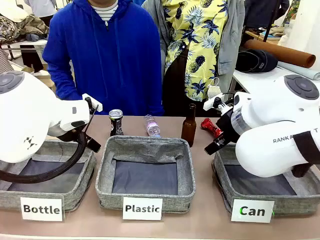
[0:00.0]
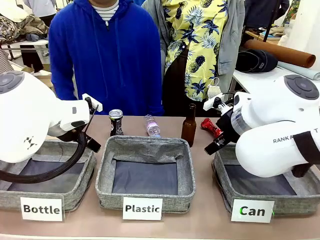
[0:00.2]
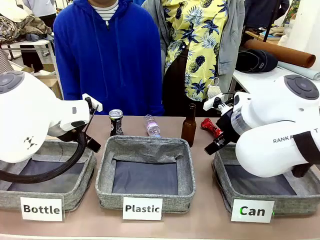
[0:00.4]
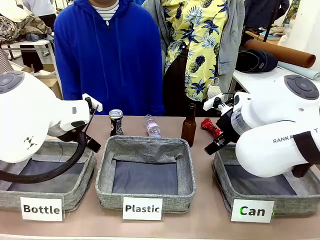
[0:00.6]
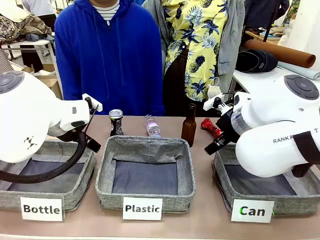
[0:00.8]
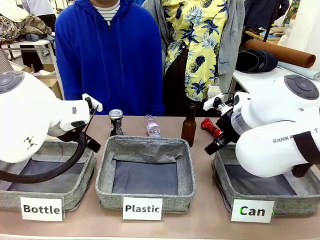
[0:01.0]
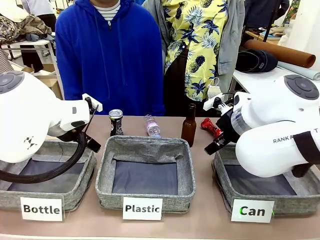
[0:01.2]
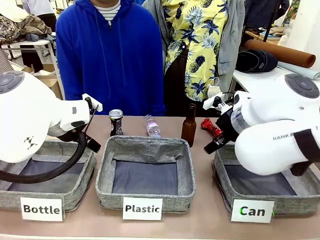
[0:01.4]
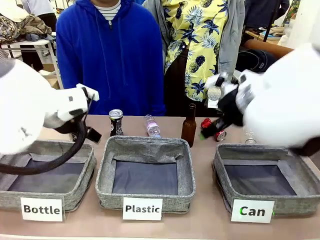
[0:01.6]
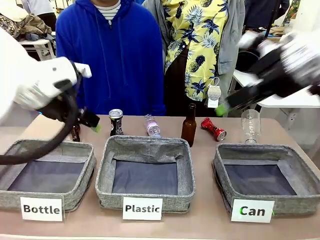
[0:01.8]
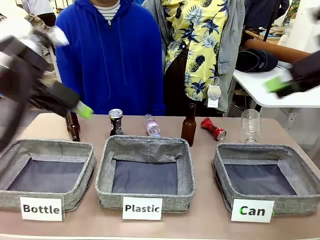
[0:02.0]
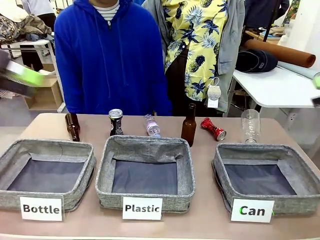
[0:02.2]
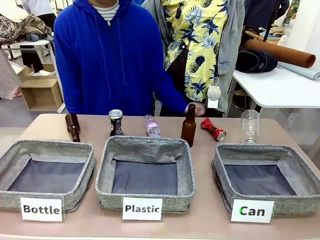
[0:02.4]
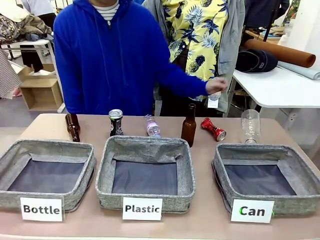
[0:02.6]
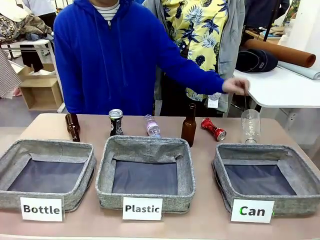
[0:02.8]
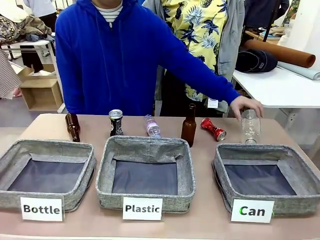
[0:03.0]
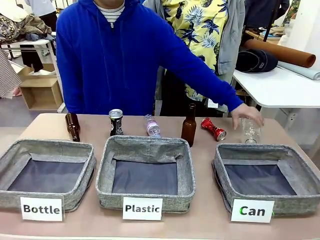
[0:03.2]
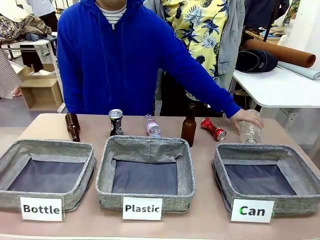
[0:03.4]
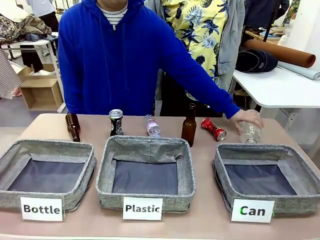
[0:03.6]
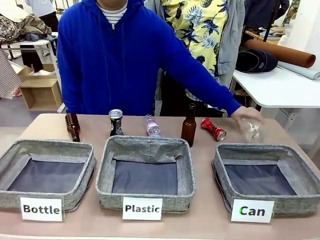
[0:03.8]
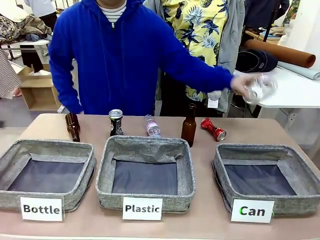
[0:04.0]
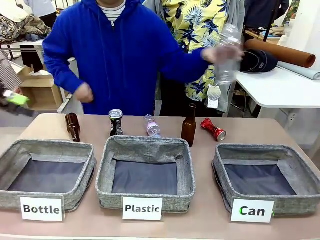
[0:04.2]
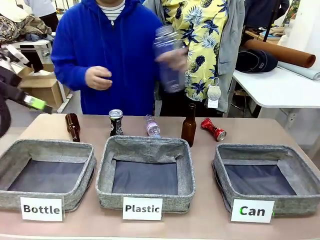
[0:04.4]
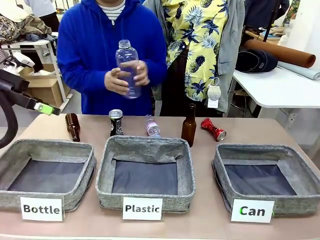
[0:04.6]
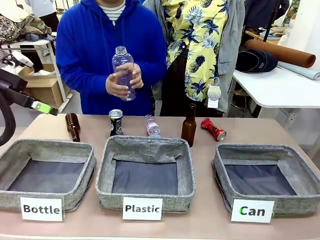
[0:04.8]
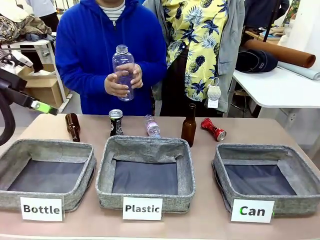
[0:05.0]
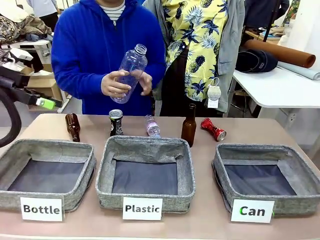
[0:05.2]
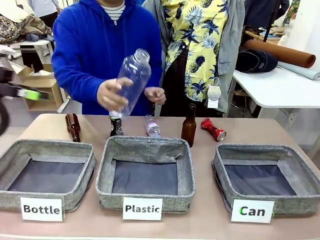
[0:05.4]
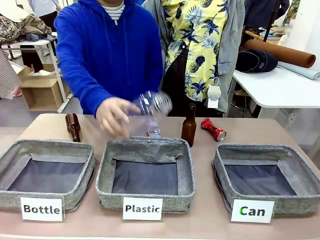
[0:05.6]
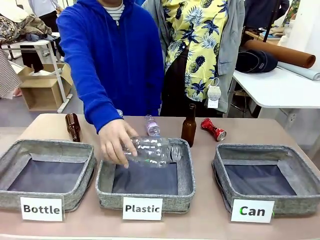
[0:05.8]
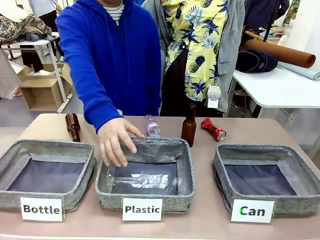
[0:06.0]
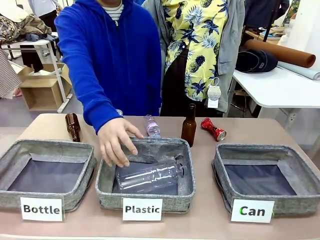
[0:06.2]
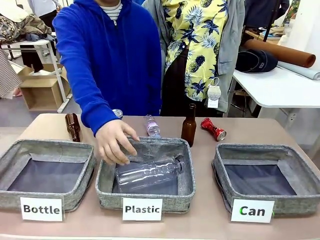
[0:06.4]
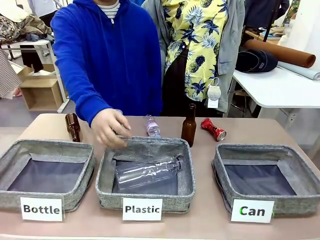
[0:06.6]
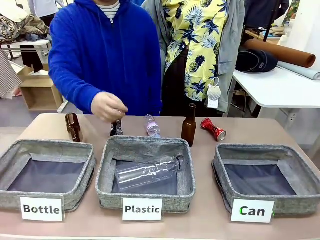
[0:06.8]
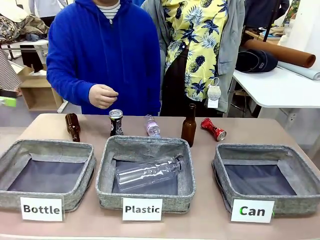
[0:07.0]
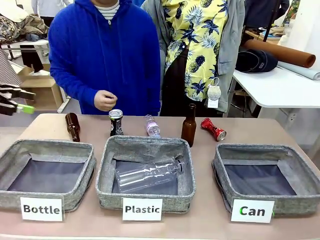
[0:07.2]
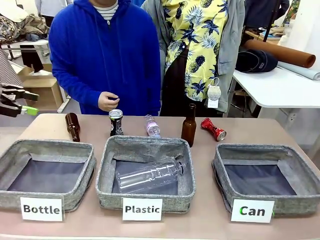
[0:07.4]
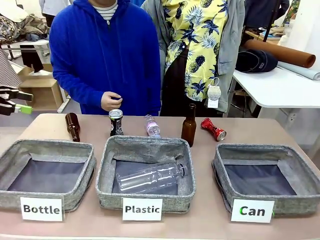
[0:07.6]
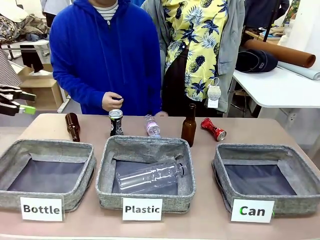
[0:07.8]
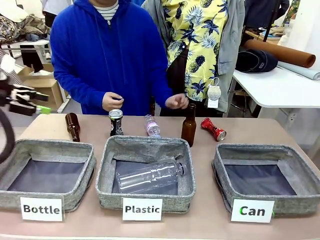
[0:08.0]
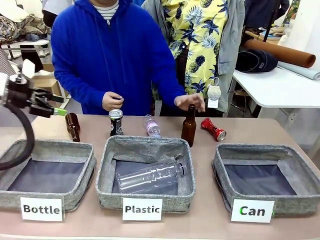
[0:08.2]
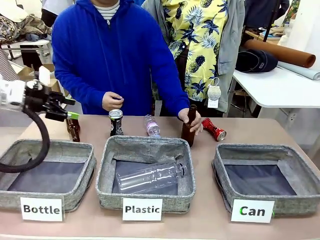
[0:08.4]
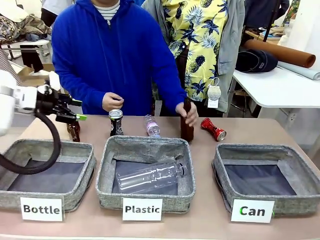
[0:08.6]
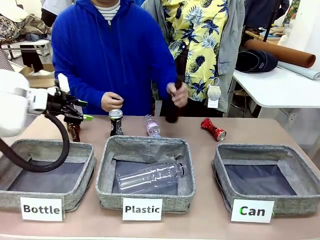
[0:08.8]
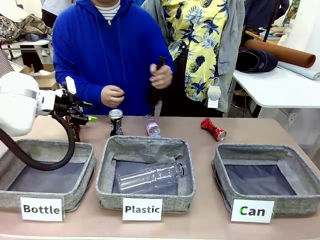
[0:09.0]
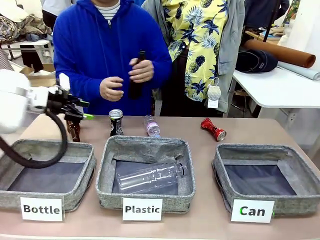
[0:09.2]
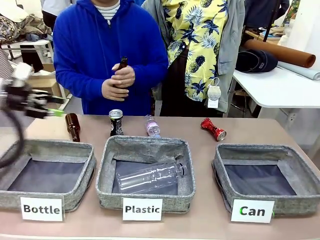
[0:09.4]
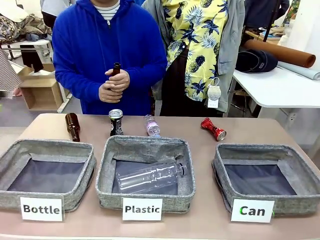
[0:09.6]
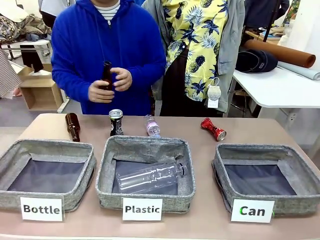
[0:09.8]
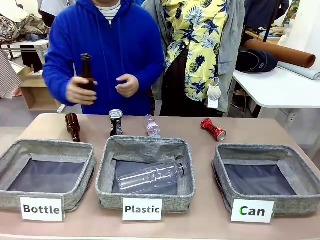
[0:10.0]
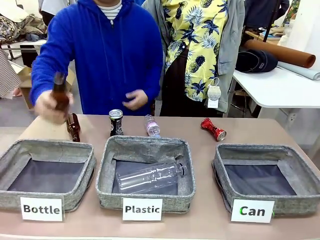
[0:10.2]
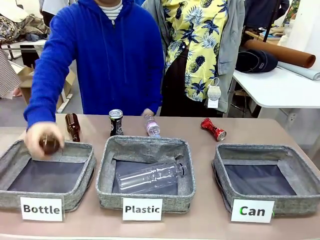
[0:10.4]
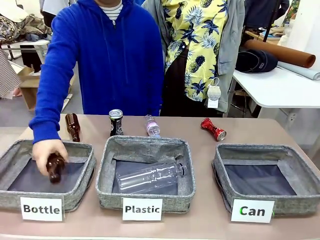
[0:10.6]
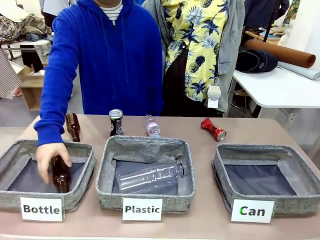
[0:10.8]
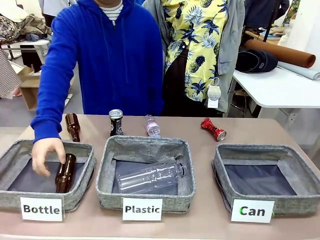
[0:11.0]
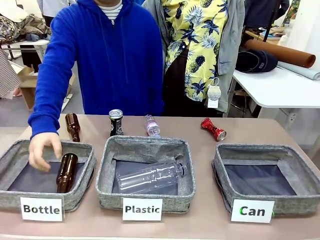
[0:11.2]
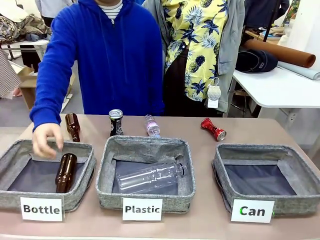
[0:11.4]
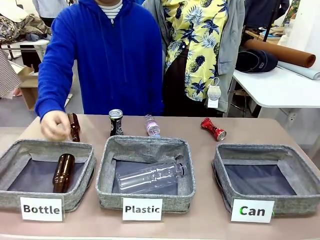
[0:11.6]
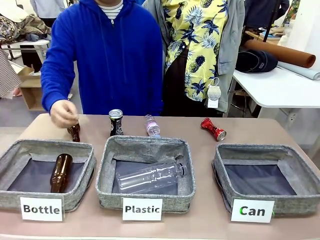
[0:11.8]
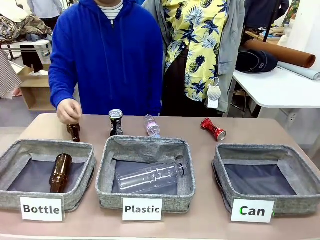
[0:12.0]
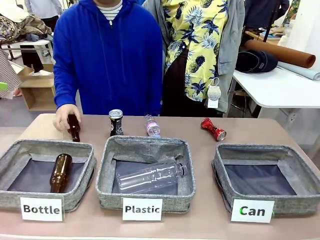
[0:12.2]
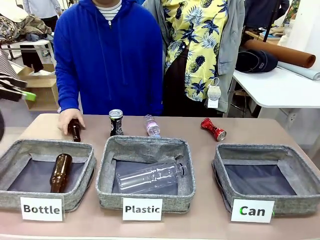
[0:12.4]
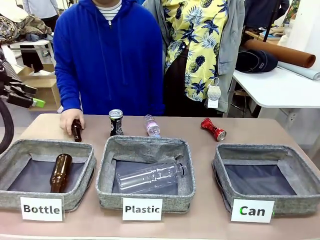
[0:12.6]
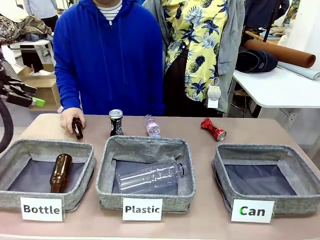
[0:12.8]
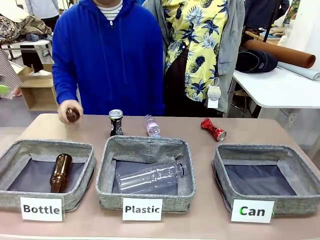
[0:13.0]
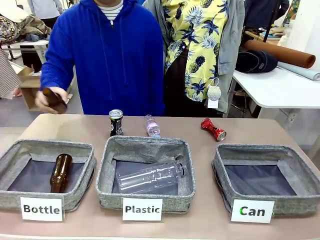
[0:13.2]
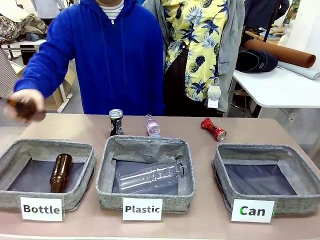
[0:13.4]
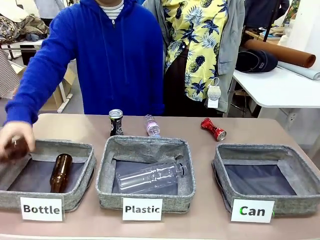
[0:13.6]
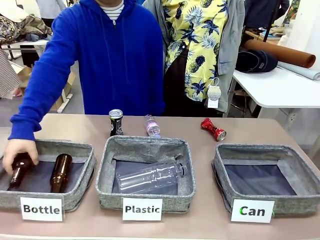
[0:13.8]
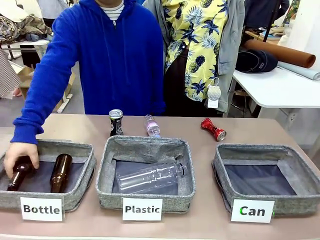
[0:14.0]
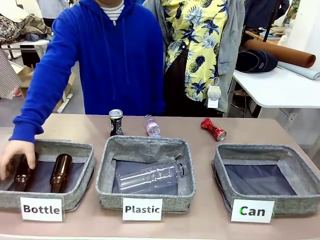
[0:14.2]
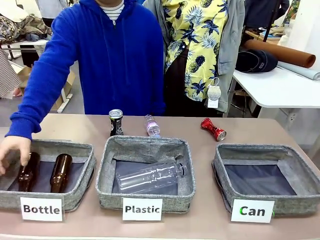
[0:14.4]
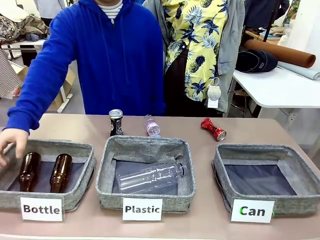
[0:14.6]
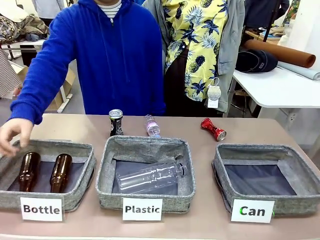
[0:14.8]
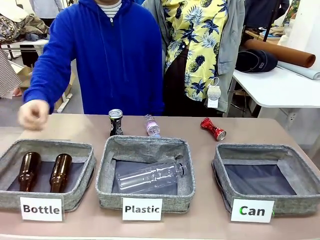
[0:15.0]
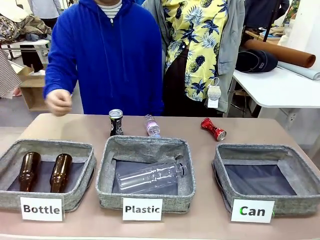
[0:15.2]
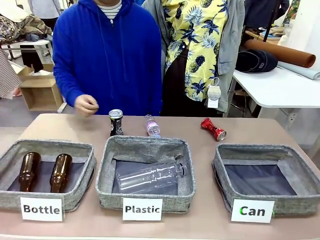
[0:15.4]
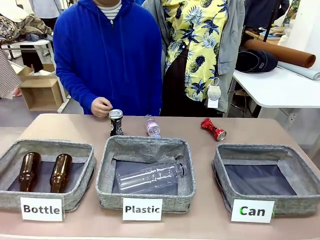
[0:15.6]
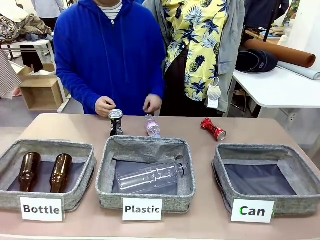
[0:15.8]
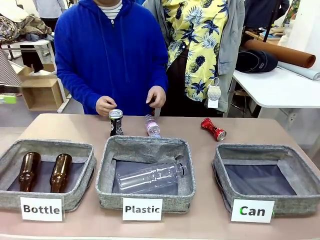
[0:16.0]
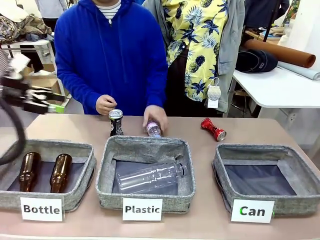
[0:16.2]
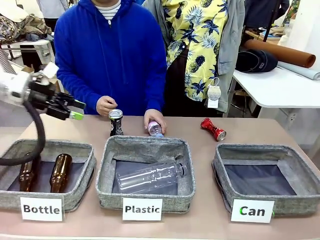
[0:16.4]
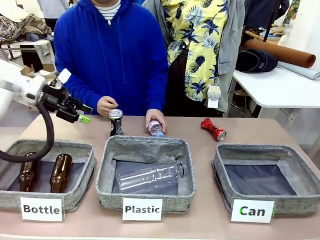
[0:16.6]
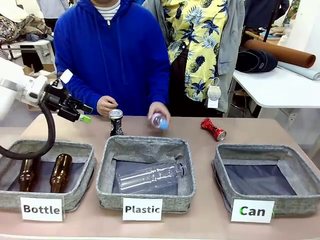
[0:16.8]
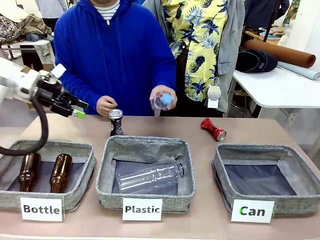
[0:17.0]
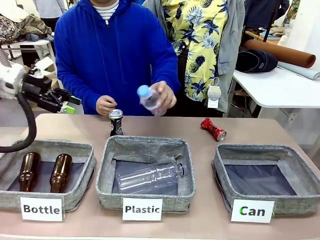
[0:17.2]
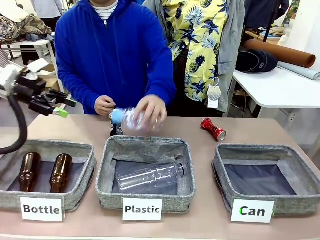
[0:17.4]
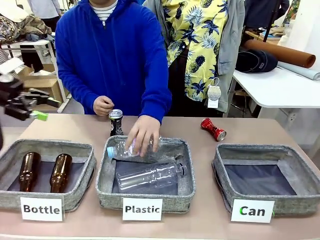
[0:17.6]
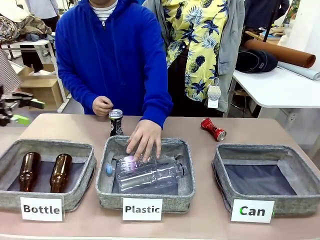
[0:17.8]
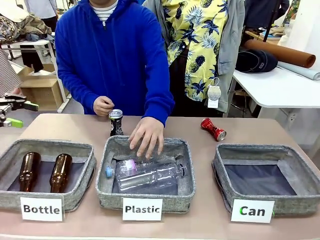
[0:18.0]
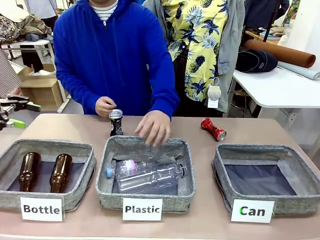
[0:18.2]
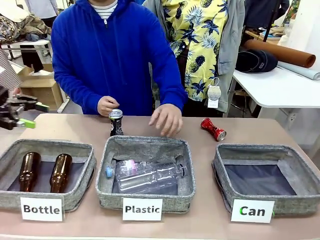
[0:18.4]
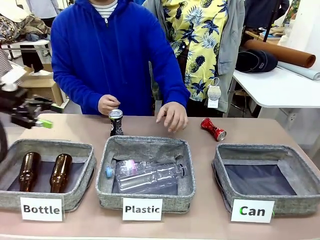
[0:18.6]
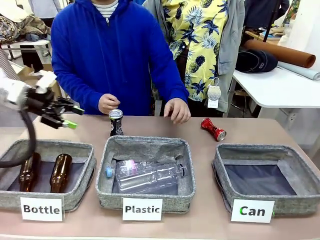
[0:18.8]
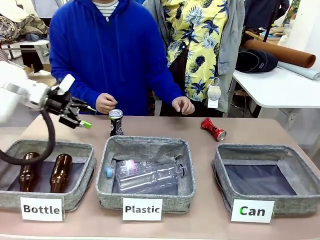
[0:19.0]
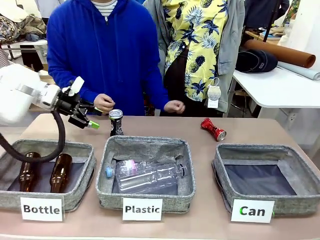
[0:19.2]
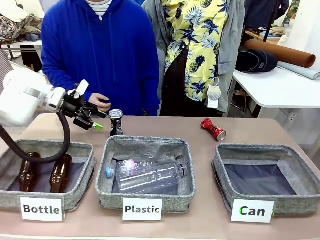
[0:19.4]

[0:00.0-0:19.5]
Task: Sort the can waste into the basket.
Robot: Pick up the can waste from the table and place it in the right Fabric basket.
